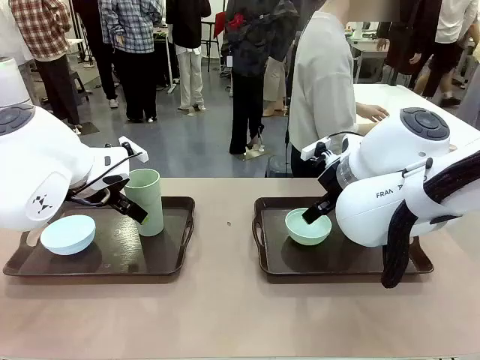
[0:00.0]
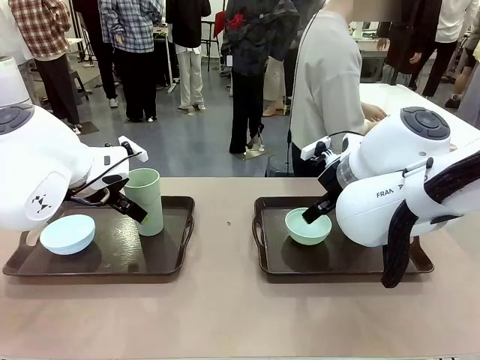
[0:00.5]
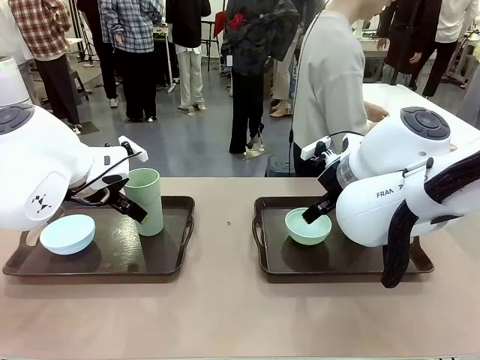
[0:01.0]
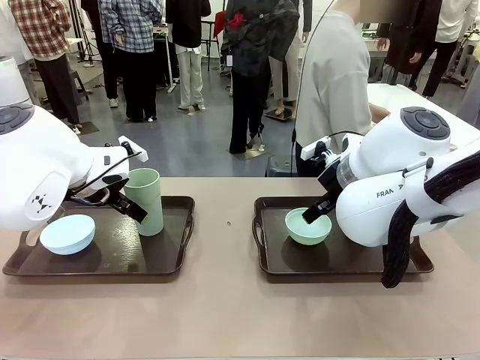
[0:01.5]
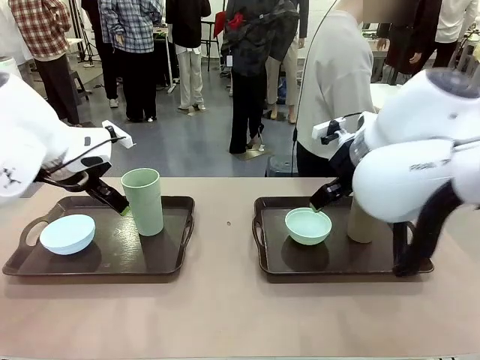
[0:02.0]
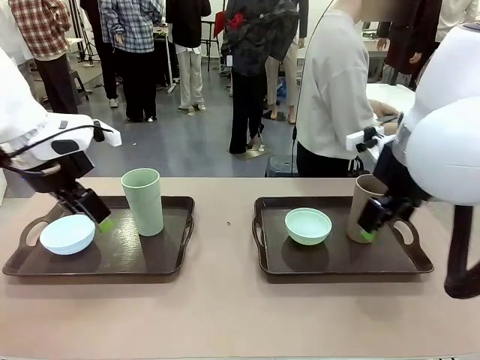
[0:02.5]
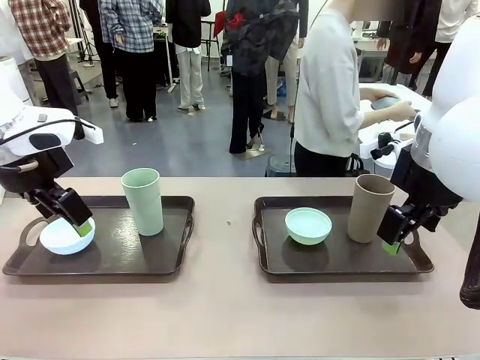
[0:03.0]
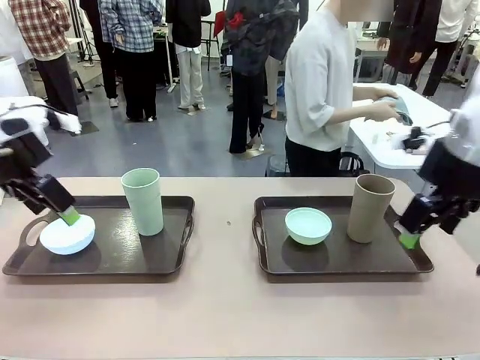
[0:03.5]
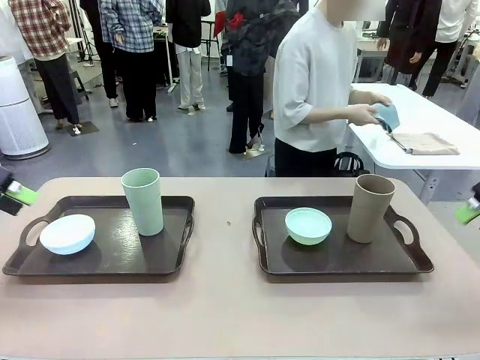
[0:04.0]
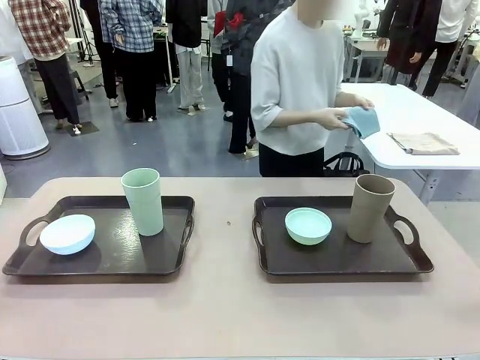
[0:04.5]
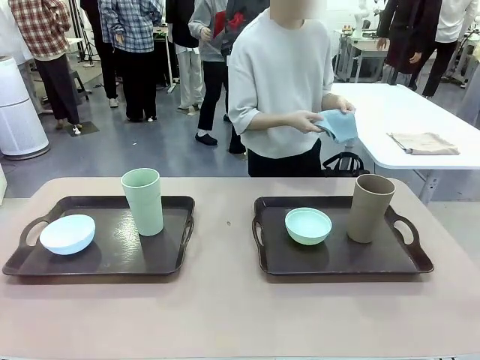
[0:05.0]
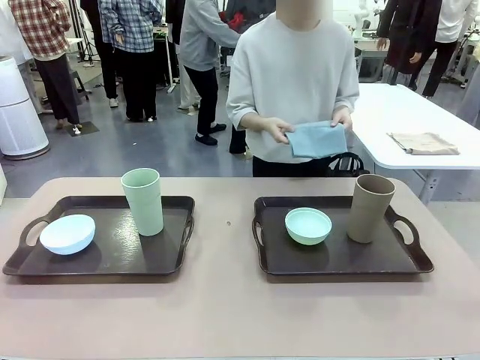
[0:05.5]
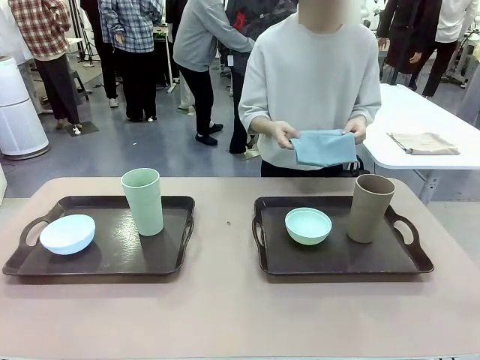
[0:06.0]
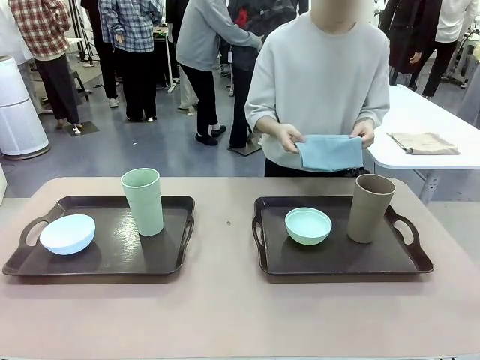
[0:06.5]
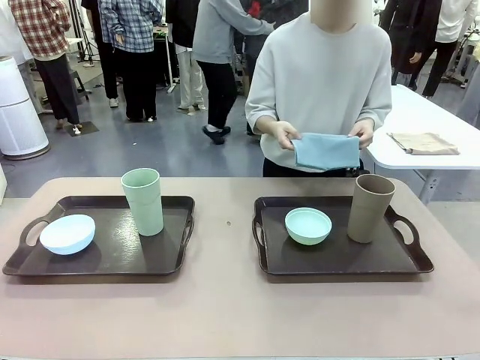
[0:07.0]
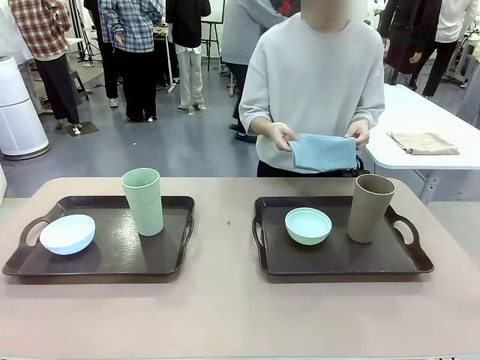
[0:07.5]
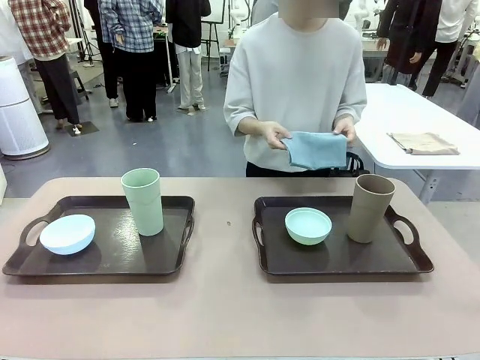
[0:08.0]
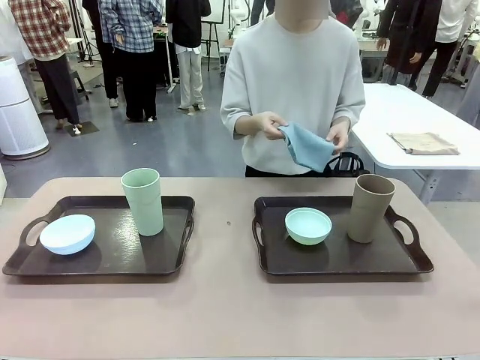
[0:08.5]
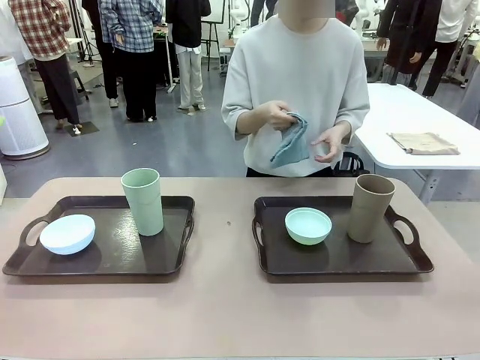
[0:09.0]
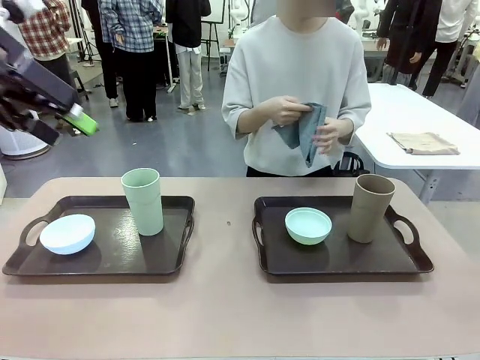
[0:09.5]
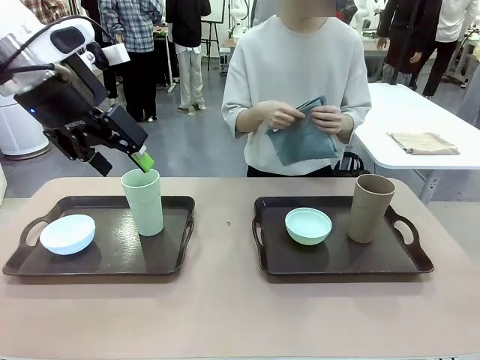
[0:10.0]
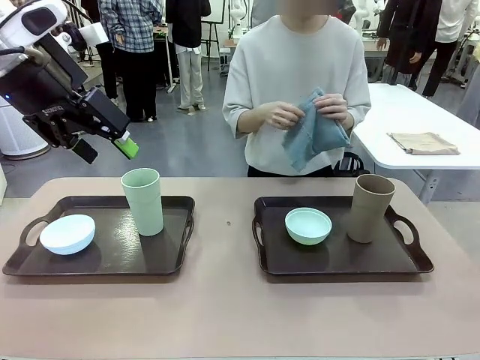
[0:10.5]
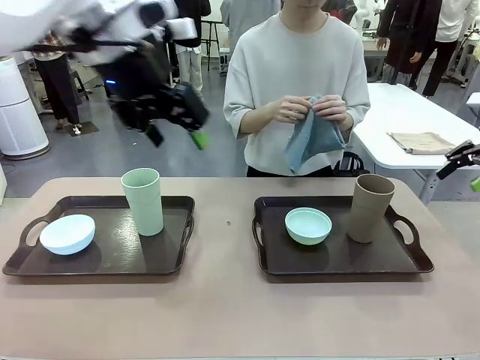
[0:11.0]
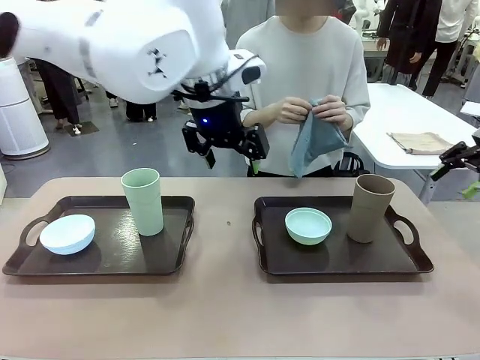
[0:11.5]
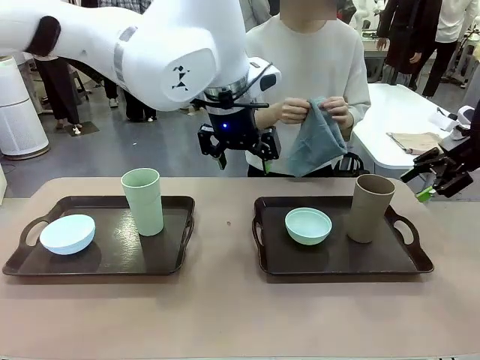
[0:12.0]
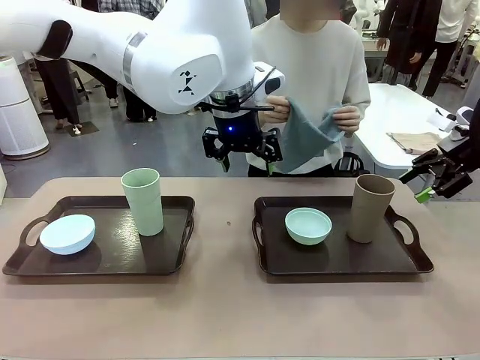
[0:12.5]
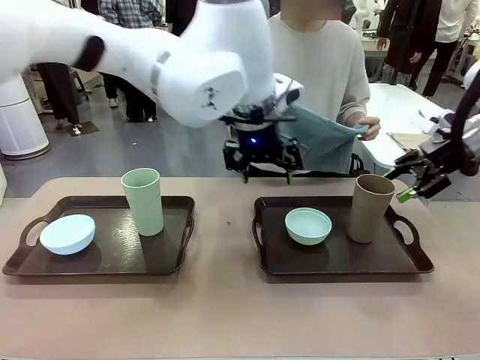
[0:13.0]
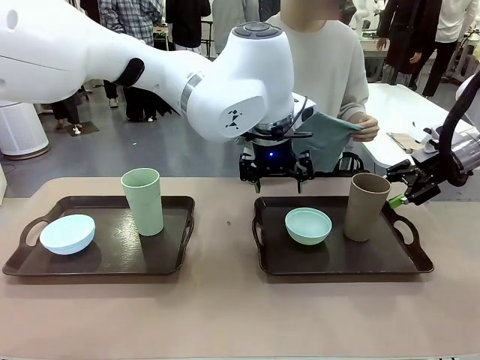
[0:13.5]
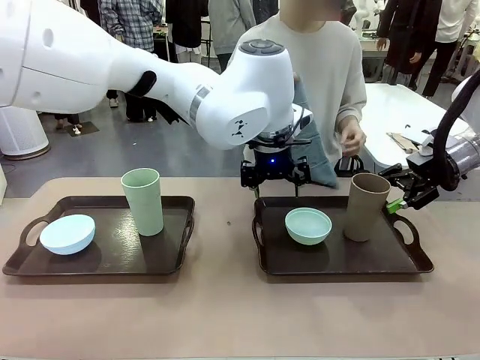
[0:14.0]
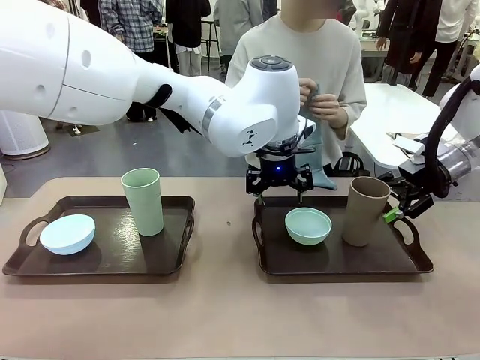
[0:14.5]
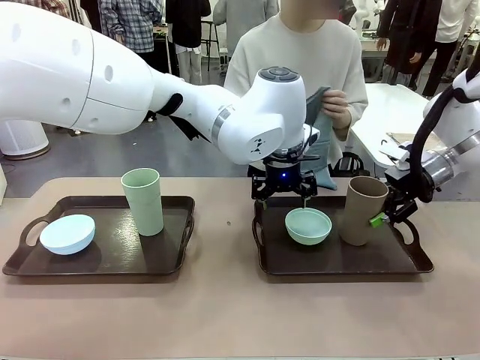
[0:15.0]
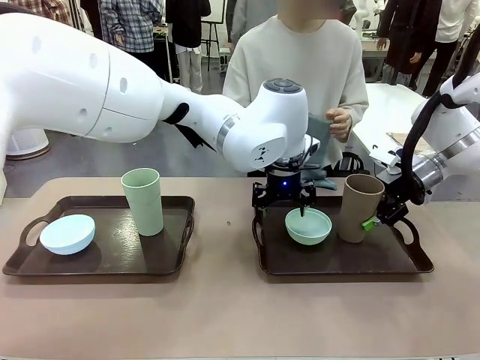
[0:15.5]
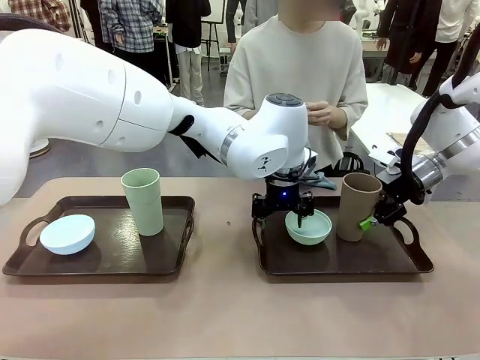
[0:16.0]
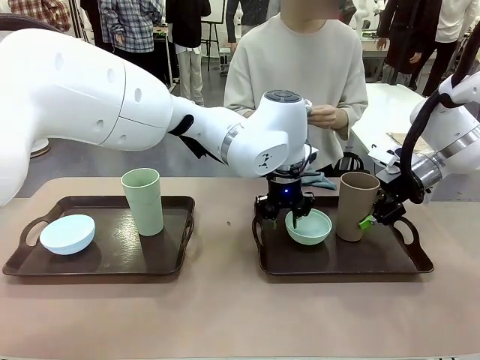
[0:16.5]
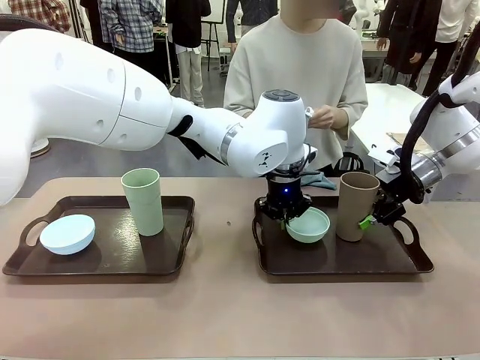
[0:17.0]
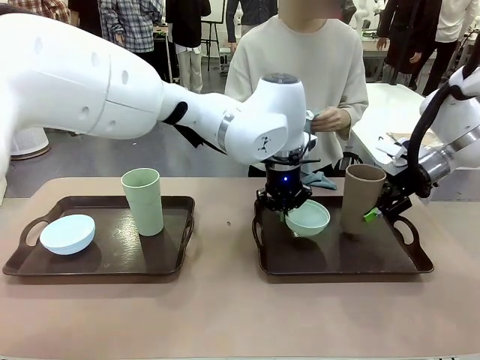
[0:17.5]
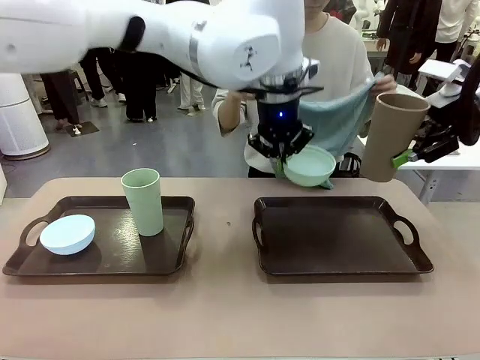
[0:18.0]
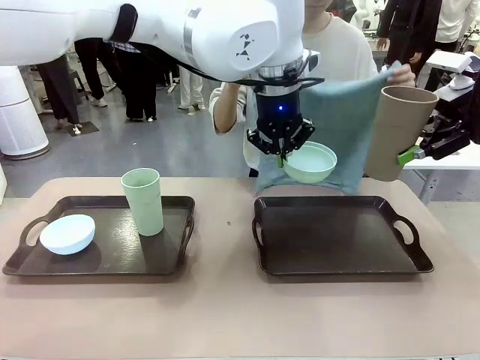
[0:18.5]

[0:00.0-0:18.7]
Robot: Pick up the Picnic Bowl and Reusable plastic cup from the Handle tray in front of the human's position and hold them in the air.
Person: The human picks up the top napkin from the stack on the human table and walks to the robot table to stand in front of one of the two trays. When the robot lifts the bowl and the cup, the human unfolds the napkin and lays the napkin flat on the tray.

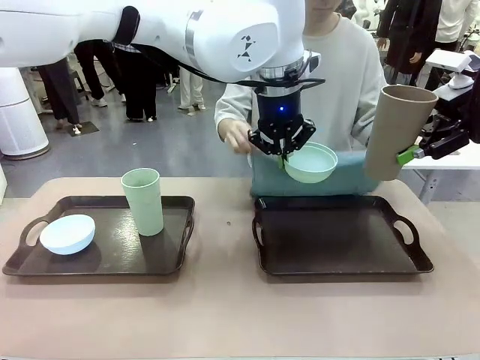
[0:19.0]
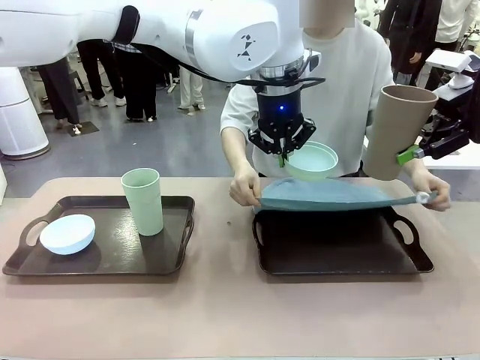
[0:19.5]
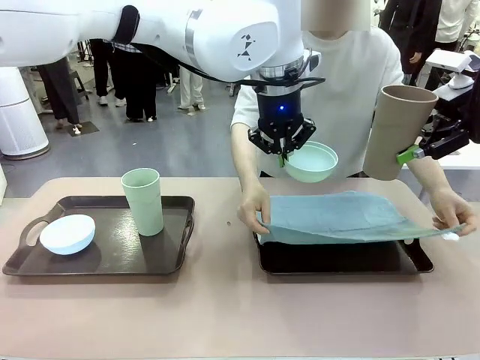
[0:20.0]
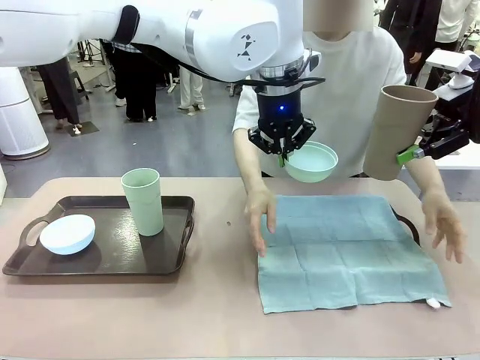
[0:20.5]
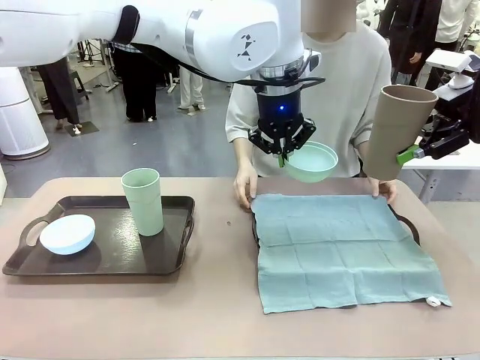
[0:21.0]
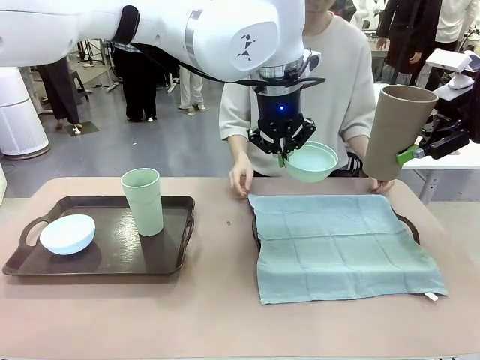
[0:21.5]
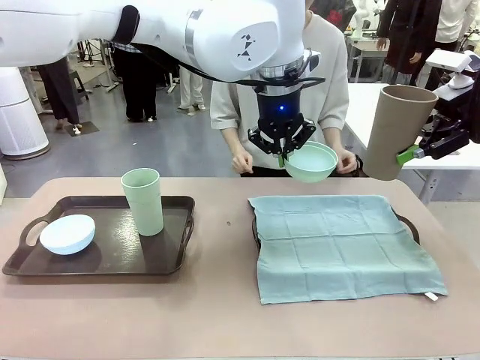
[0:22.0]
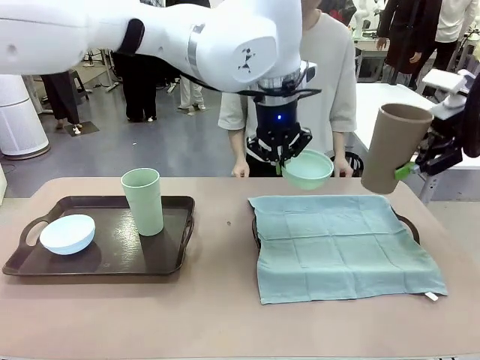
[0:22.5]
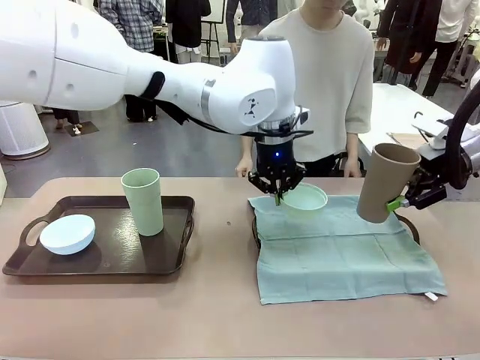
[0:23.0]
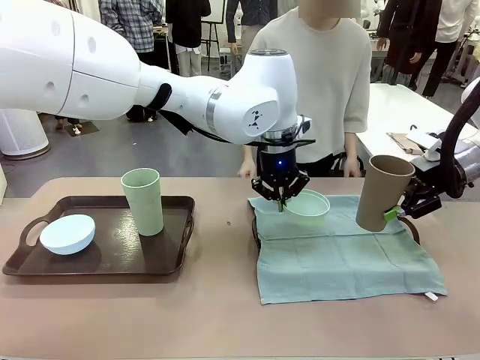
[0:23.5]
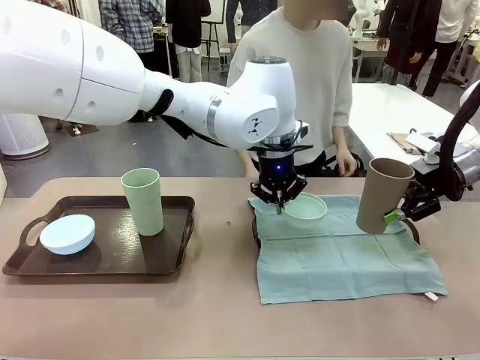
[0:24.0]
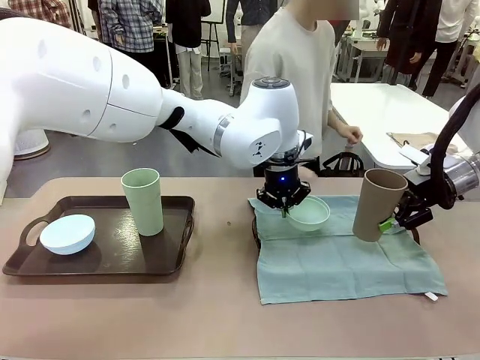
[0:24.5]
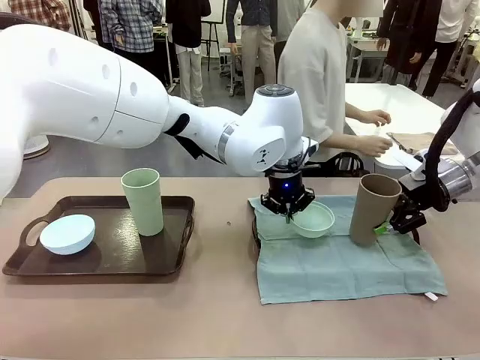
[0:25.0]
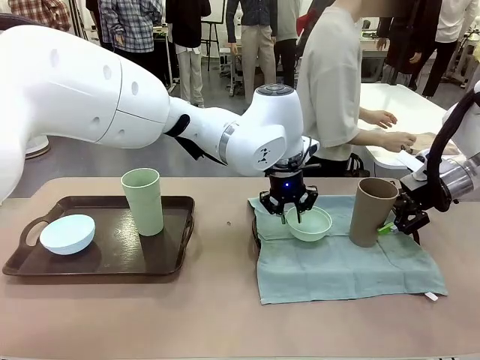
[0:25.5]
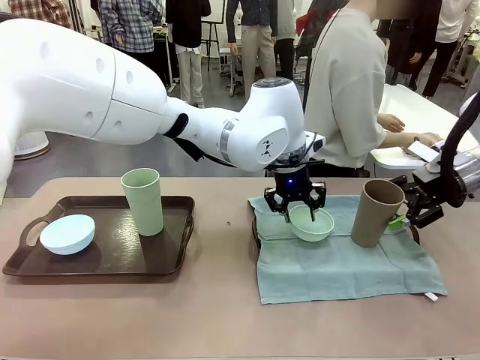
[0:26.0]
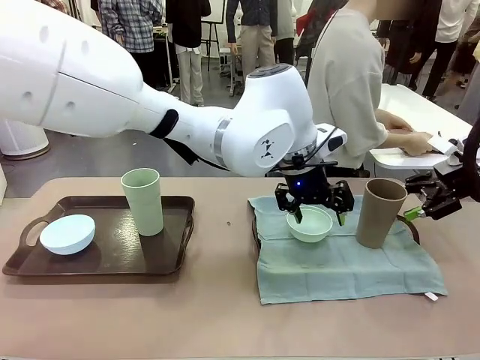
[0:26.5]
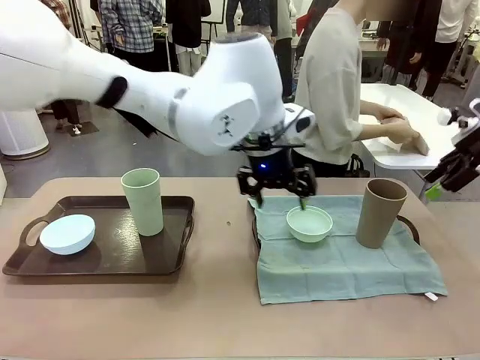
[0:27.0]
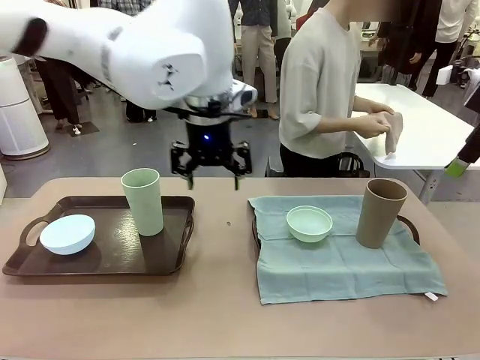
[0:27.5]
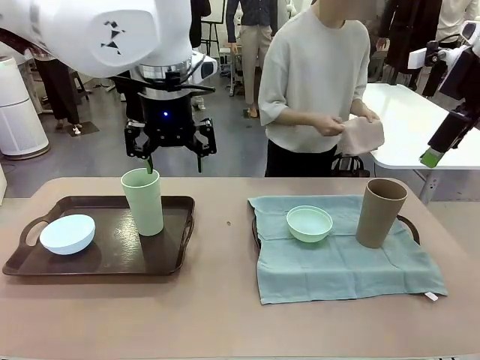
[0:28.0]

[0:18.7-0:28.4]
Robot: Place the Picnic Bowl and Reusable plastic cup back onto the Handle tray in front of the human's position.
Person: The human returns to the human table to pick up another napkin and walks to the robot table to stand in front of the tray without a napkin.
